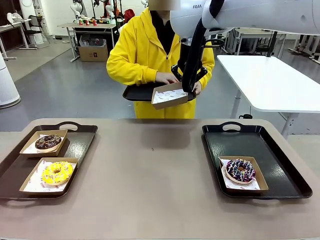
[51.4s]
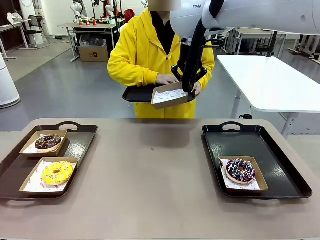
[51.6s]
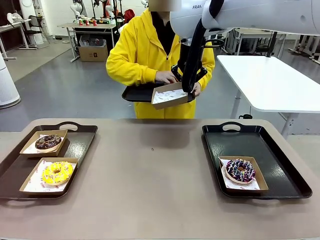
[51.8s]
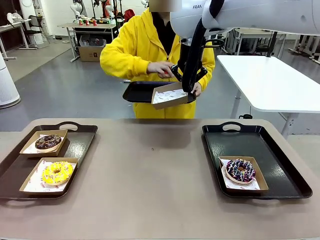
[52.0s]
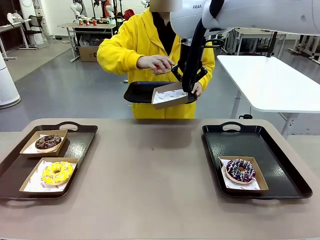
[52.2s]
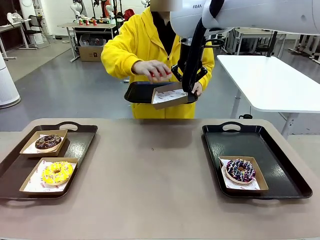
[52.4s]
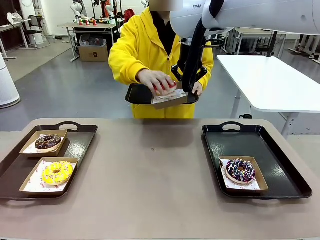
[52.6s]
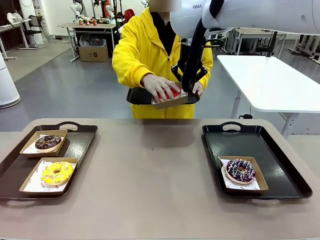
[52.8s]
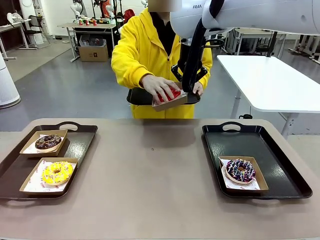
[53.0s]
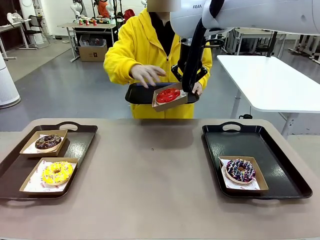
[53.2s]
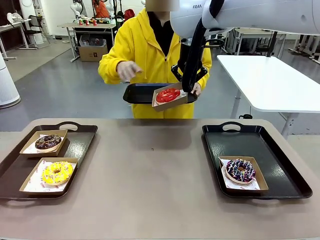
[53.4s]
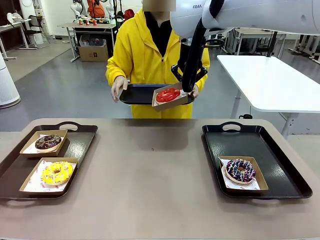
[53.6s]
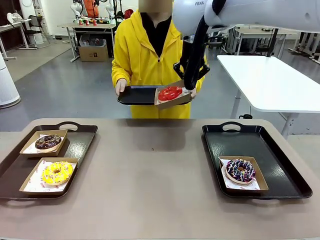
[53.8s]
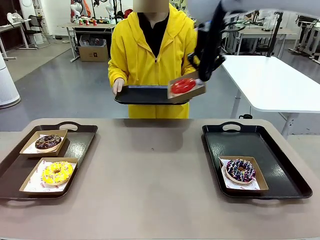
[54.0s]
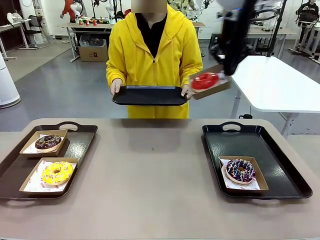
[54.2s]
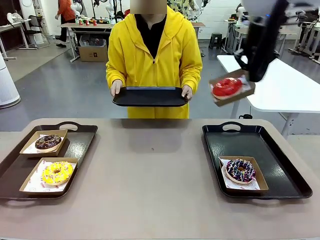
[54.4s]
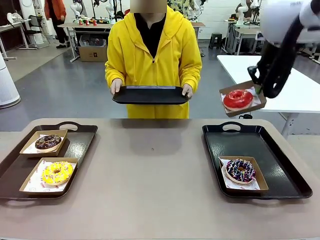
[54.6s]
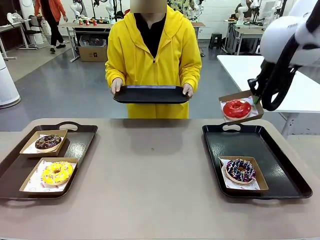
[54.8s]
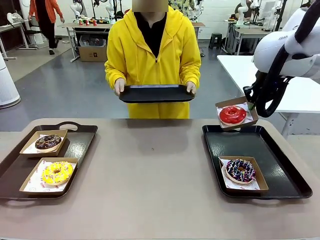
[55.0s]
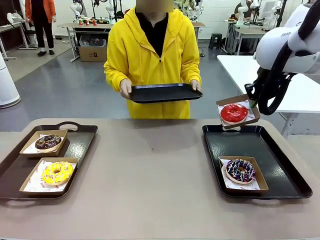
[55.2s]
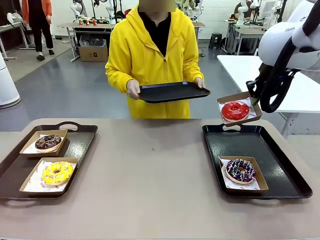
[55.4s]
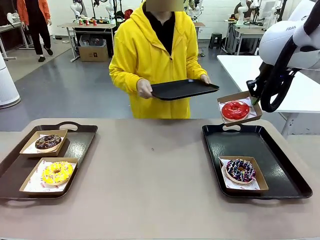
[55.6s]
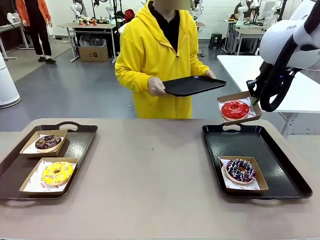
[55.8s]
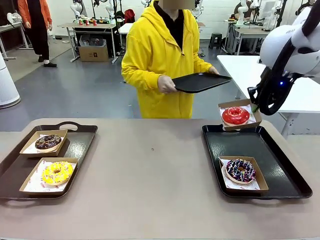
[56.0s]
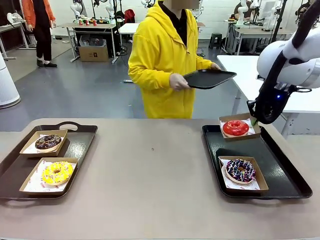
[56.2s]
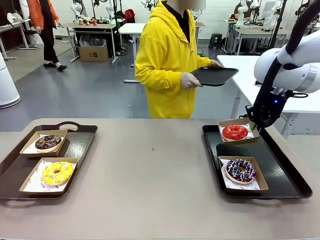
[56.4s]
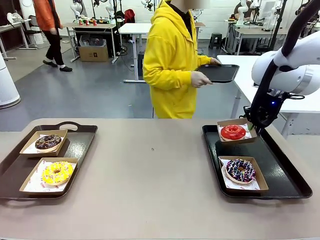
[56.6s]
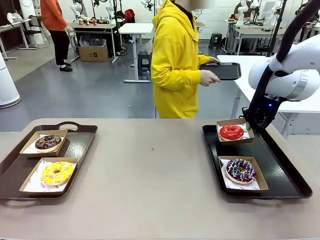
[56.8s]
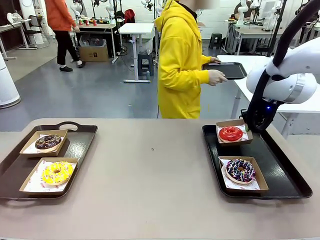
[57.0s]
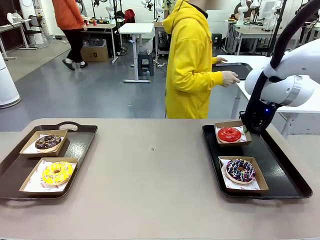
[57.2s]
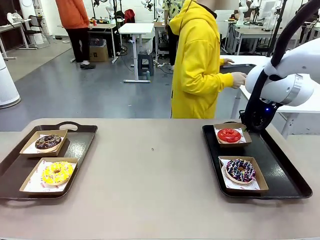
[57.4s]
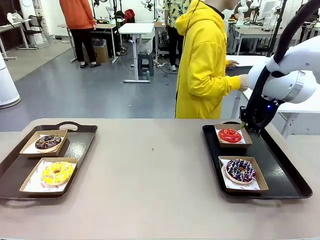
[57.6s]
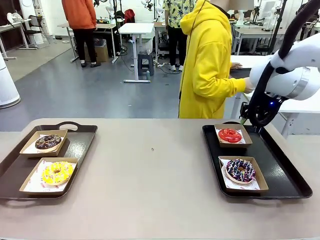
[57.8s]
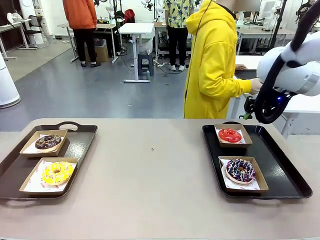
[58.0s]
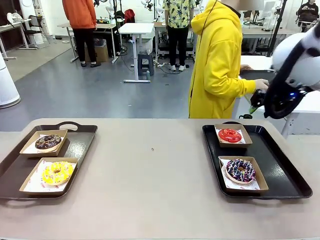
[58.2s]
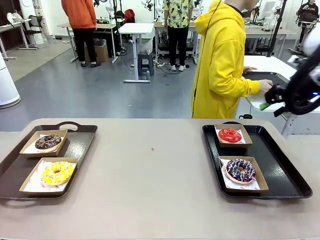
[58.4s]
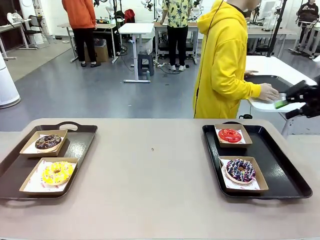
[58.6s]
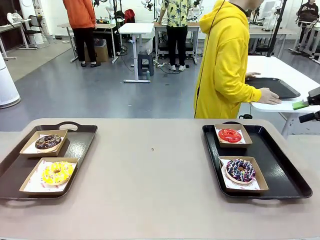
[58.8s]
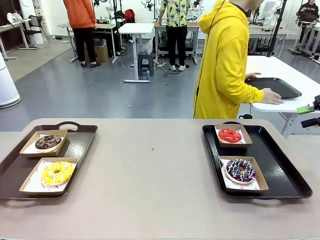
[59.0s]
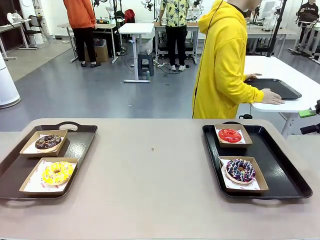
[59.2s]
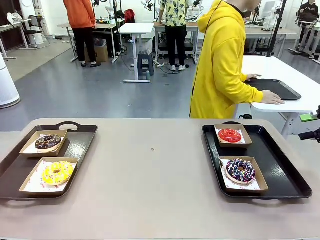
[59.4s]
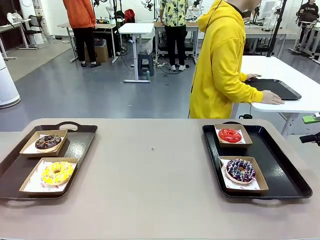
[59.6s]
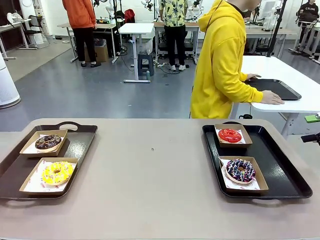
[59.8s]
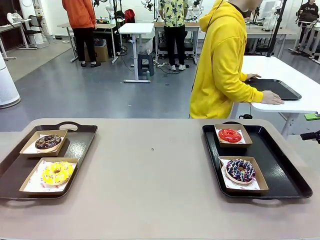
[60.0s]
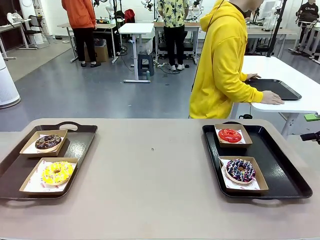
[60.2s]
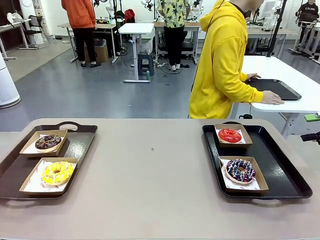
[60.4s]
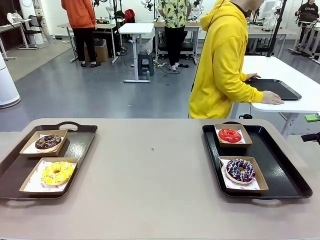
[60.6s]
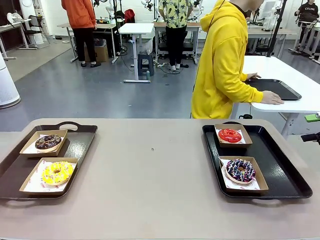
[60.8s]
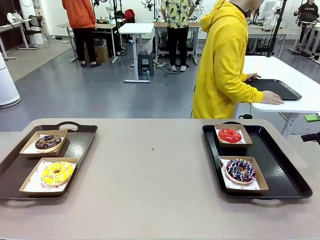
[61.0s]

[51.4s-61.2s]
Task: Individually package the donuts and arrange them on the tray.
Robot: Place the picked Paper togo box on the Handle tray.
Person: Place the tray down in the middle of the human table.

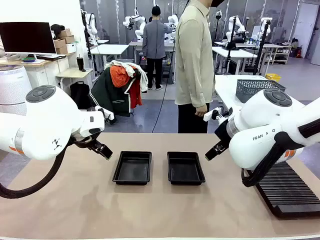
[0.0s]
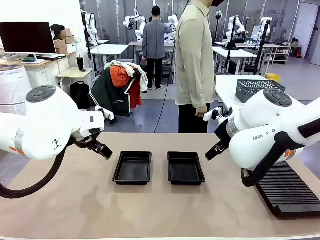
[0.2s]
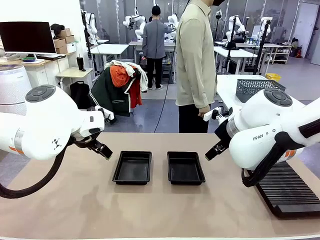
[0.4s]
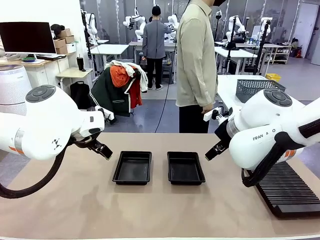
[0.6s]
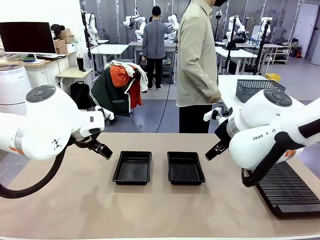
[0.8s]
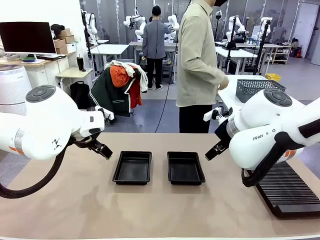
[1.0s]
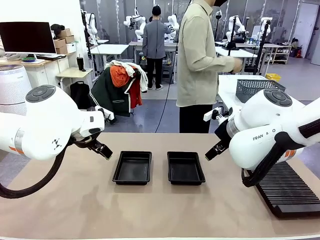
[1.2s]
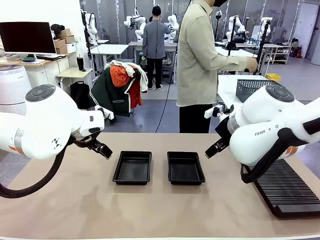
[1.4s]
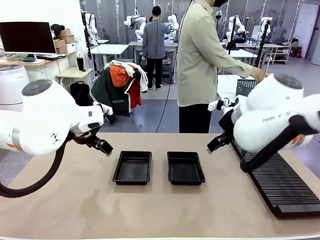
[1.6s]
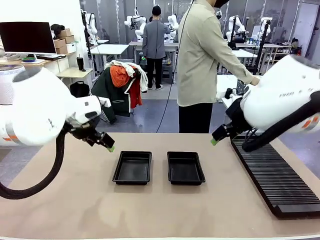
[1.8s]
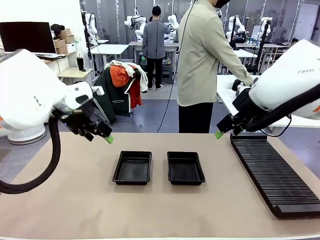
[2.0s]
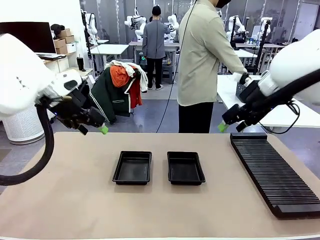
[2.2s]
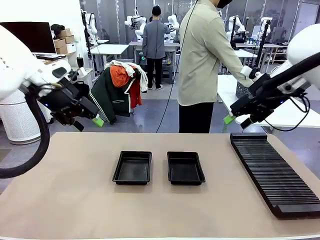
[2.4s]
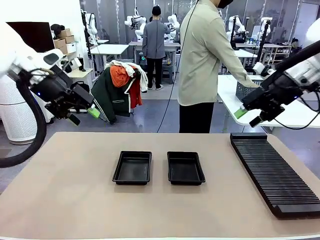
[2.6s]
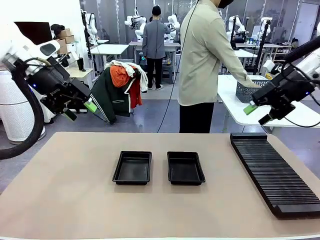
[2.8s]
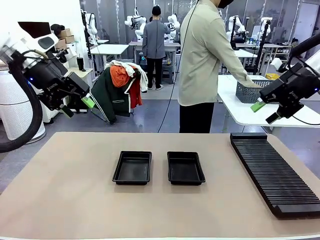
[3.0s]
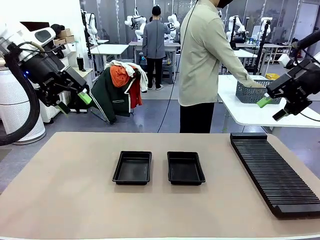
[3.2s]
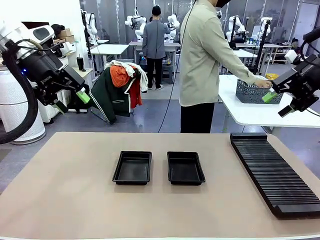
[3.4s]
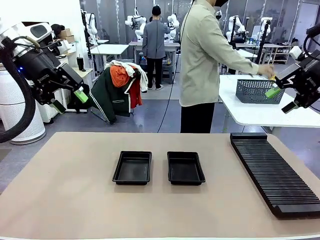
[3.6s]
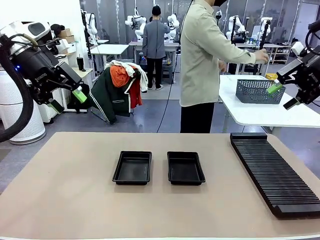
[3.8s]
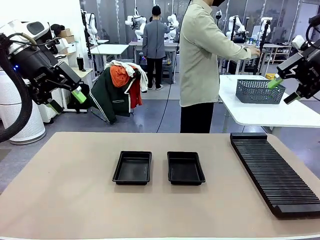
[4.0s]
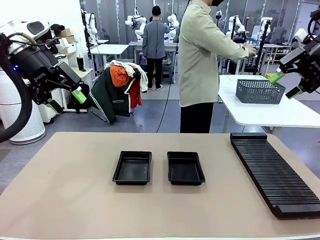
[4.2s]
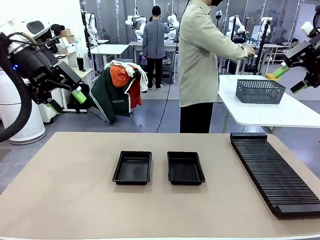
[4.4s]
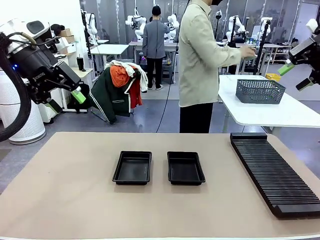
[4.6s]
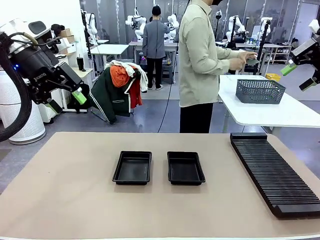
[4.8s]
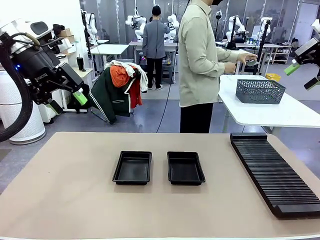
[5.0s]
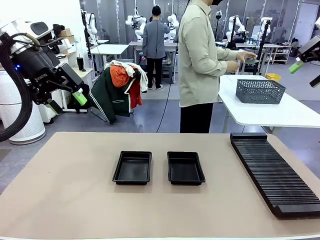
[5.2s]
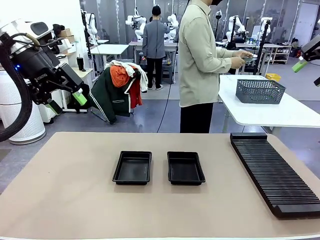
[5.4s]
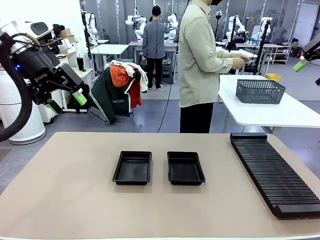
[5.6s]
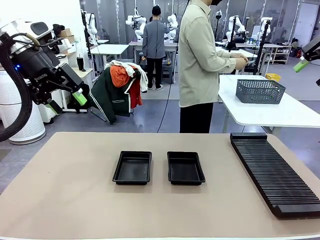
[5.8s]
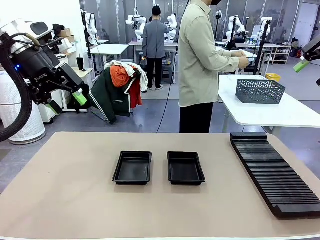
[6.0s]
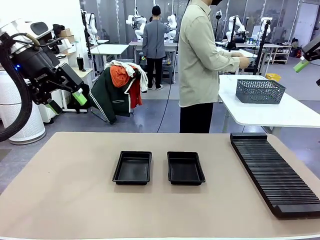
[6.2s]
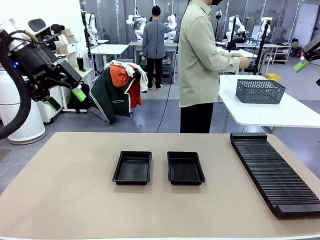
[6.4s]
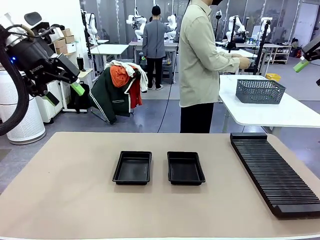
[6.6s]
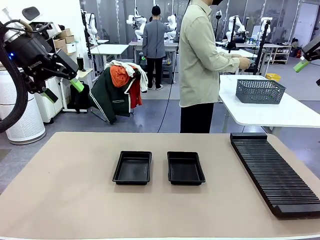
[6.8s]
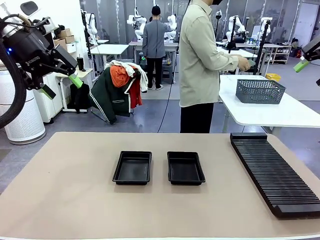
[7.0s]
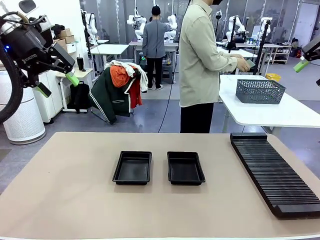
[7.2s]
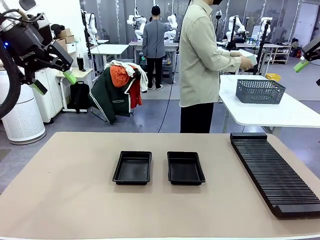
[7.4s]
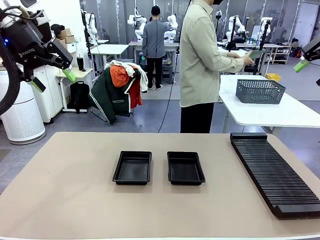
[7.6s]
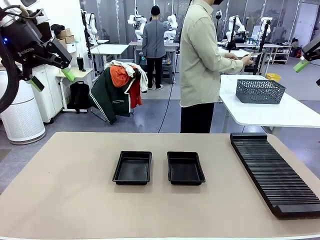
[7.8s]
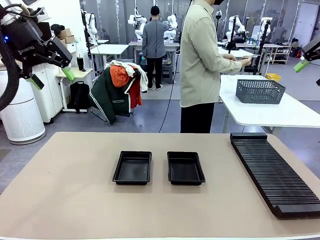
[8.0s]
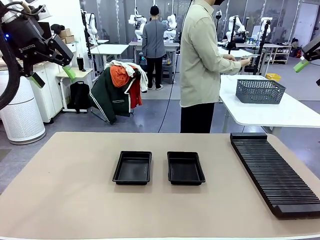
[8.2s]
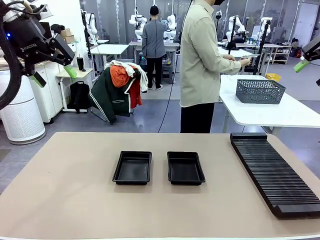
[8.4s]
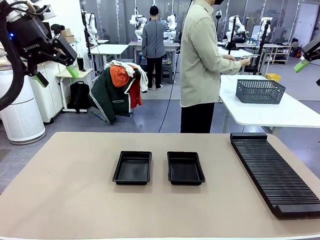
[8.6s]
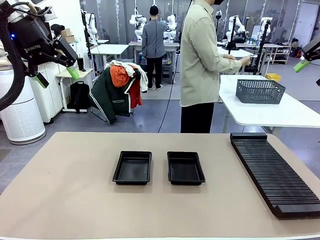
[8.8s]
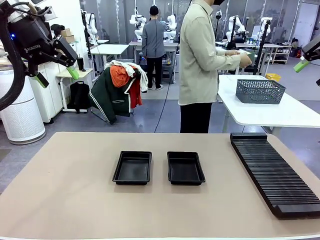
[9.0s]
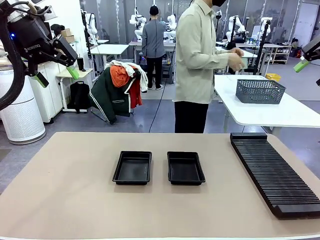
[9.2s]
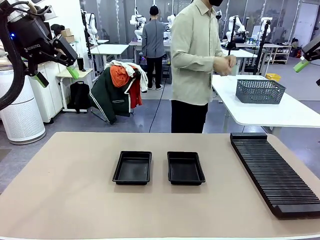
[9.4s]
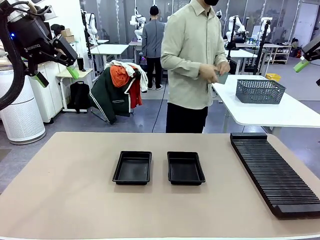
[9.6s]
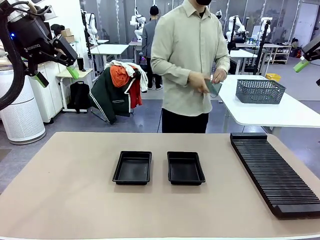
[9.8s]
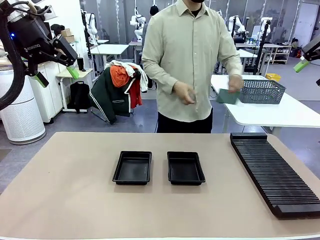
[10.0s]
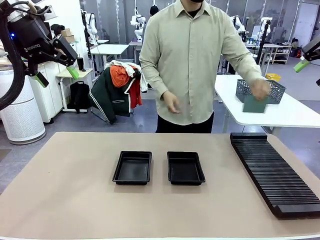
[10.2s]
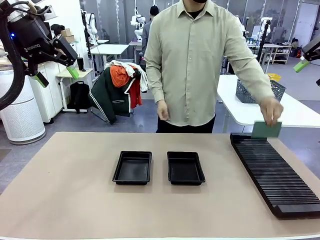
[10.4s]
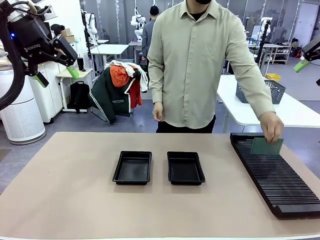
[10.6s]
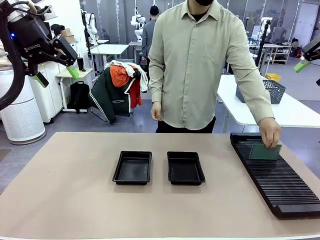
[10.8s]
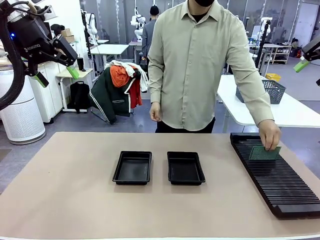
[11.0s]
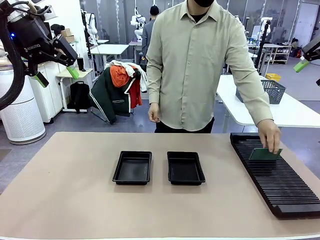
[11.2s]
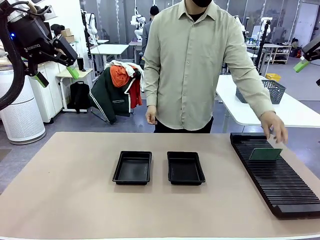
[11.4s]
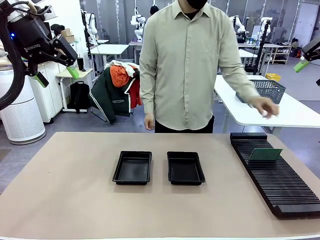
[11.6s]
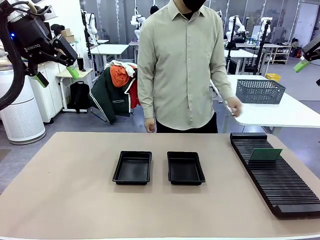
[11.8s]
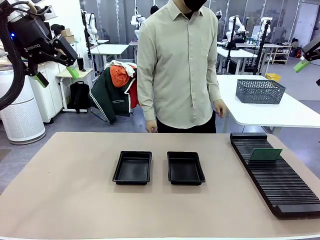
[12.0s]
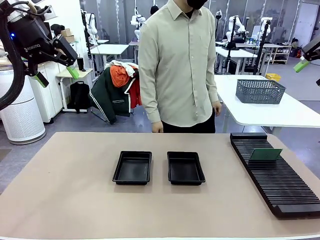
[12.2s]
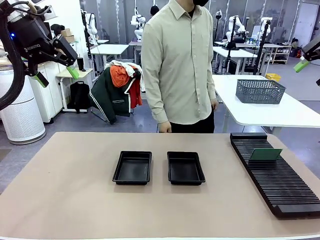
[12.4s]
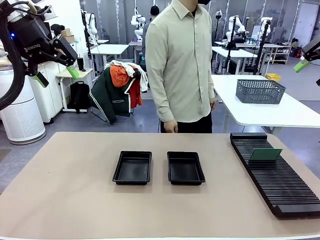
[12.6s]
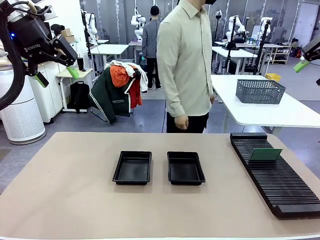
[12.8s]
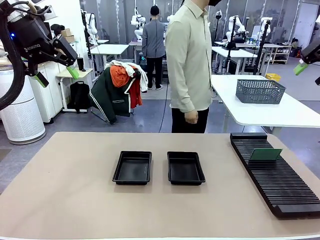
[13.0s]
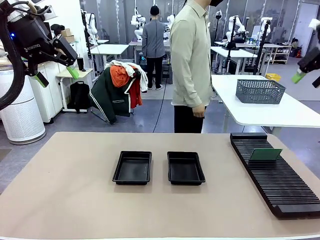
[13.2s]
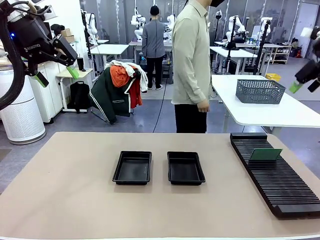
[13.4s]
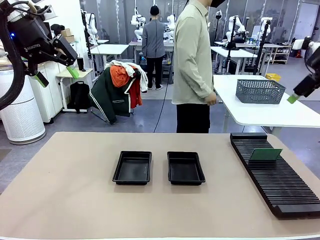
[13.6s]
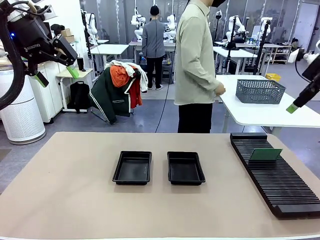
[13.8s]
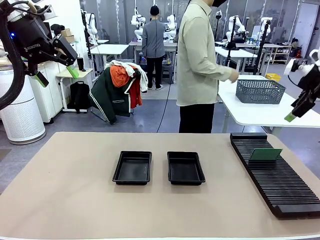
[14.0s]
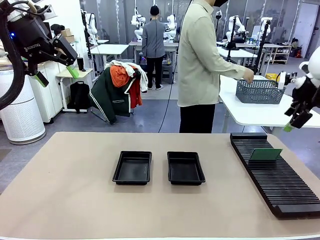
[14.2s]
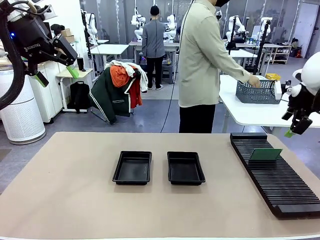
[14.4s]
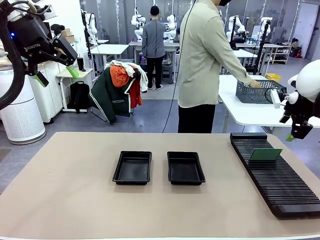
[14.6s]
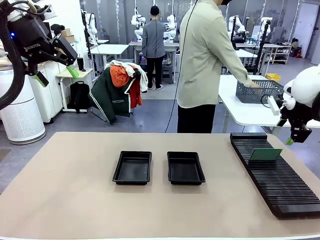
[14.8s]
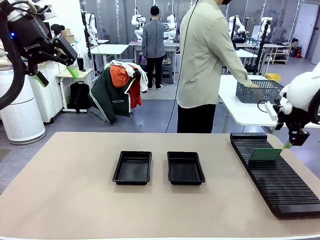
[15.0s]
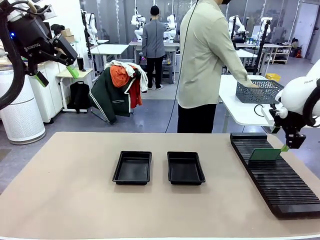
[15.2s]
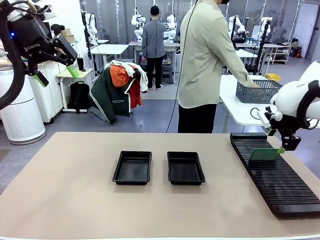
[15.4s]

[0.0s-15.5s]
Task: Inspect and transfer BCBs to ESD trays.
Robot: Pick up the Blank PCB from the PCB Rack and place it in the left ESD tray.
